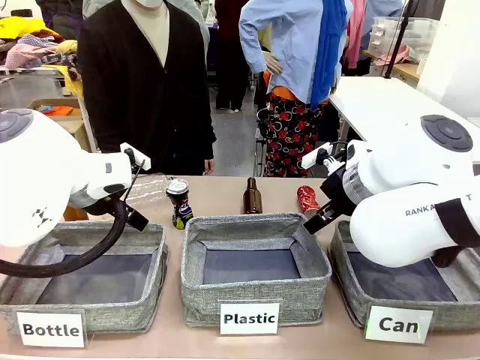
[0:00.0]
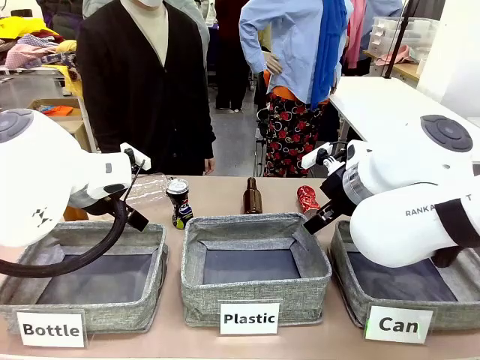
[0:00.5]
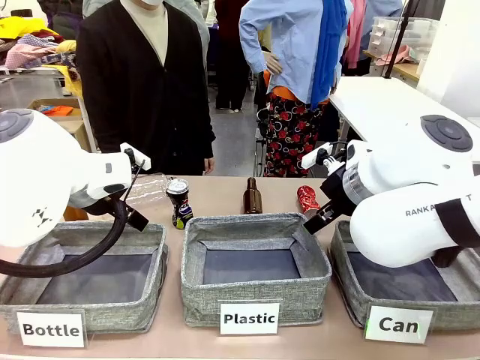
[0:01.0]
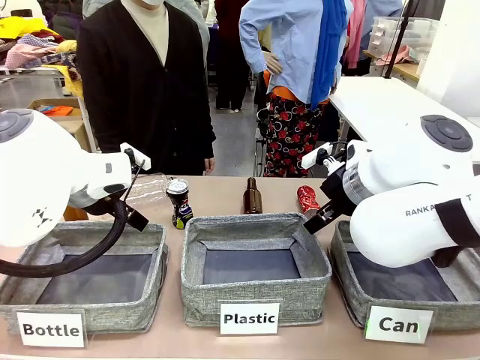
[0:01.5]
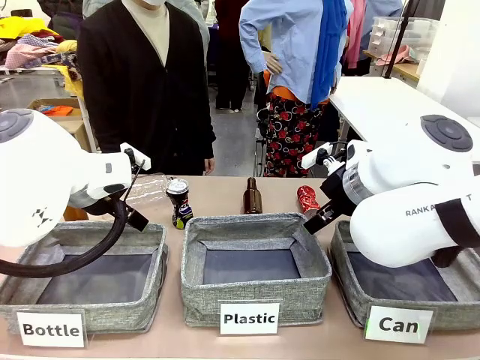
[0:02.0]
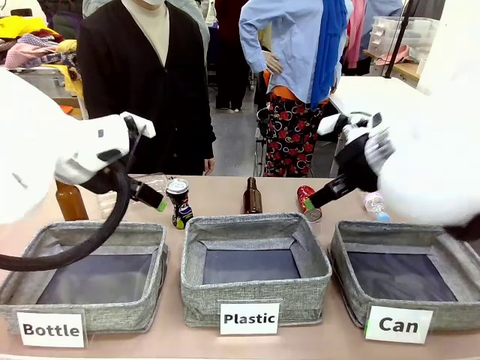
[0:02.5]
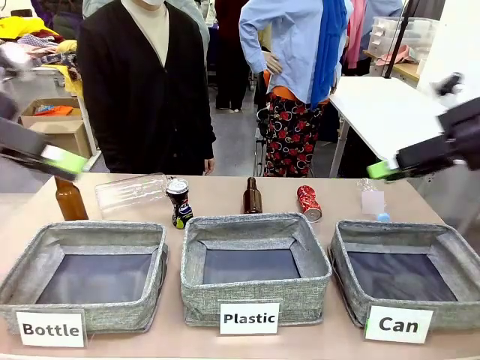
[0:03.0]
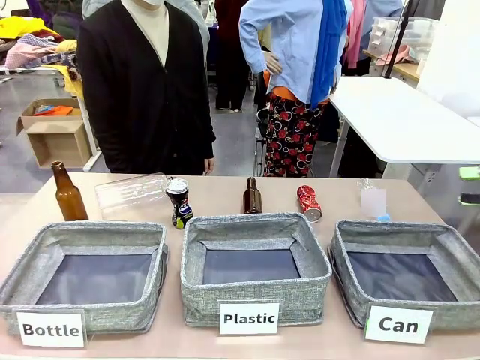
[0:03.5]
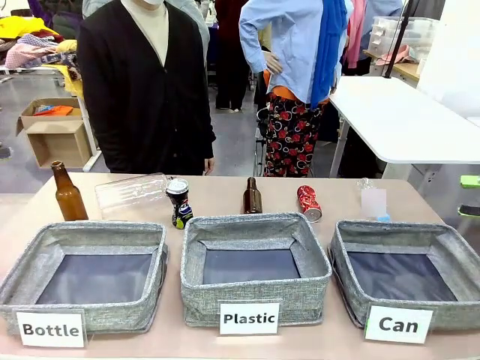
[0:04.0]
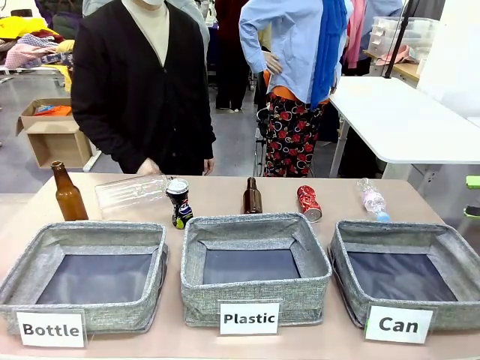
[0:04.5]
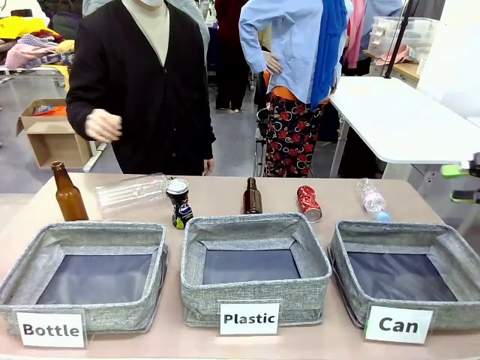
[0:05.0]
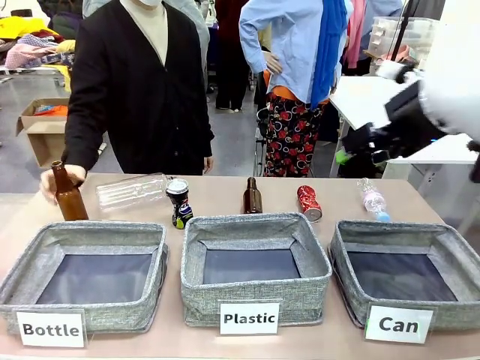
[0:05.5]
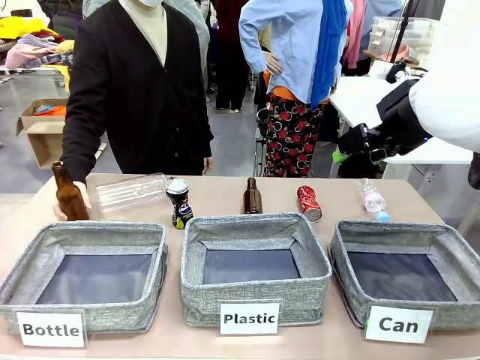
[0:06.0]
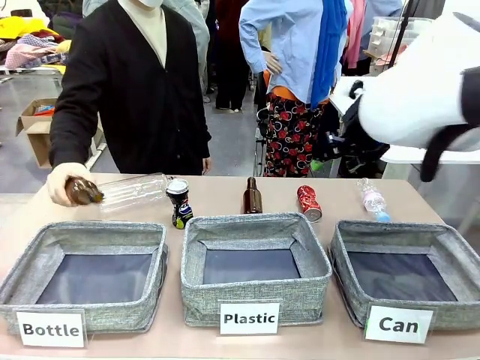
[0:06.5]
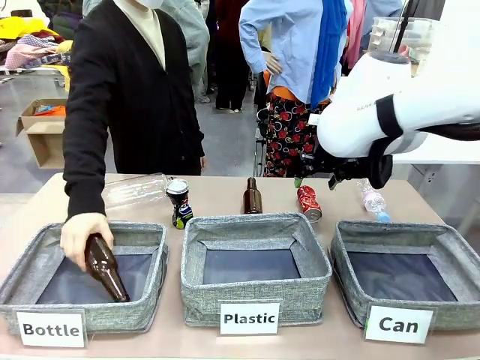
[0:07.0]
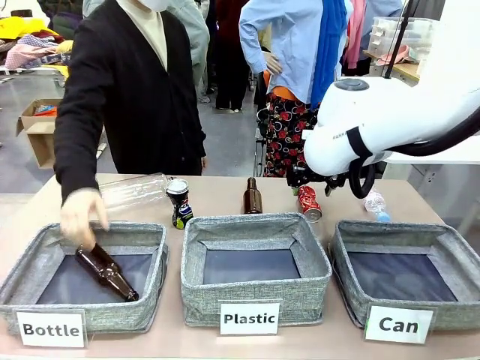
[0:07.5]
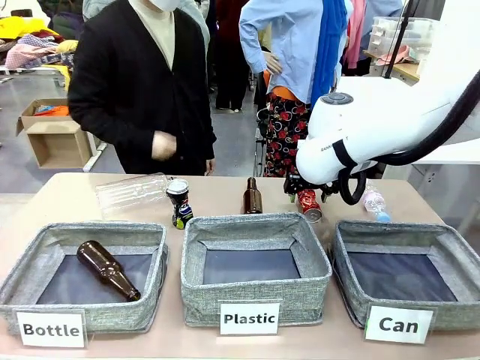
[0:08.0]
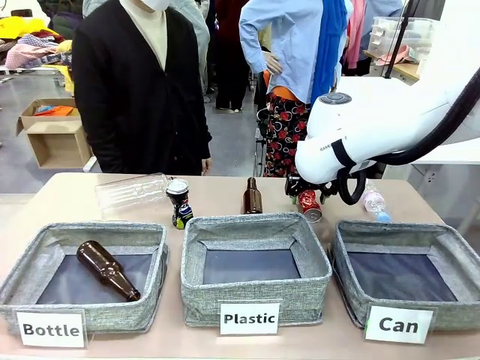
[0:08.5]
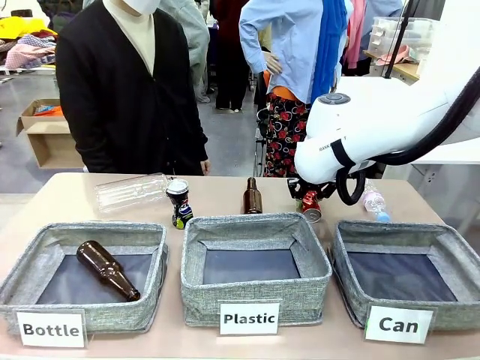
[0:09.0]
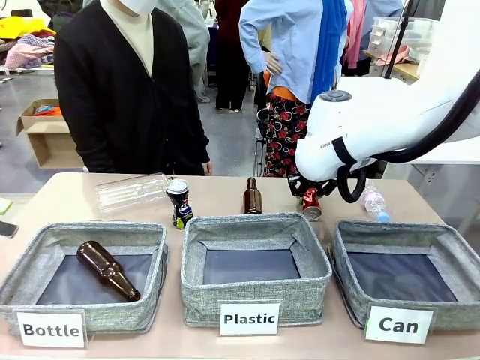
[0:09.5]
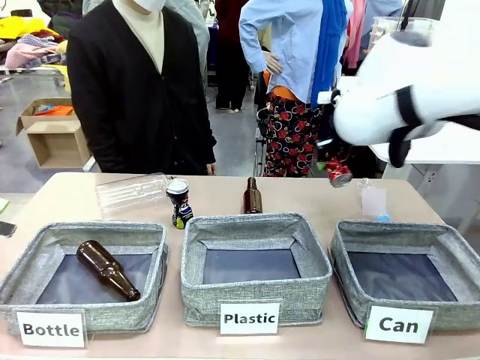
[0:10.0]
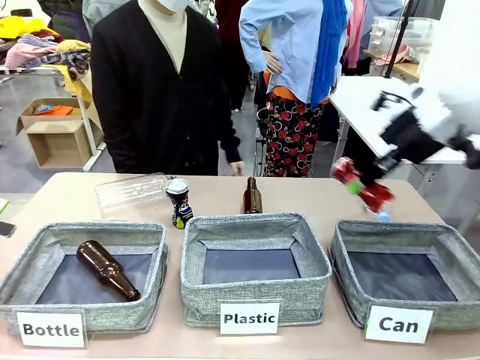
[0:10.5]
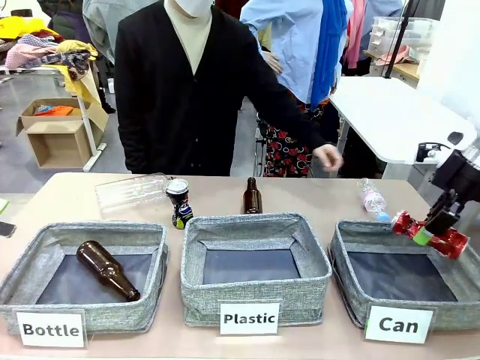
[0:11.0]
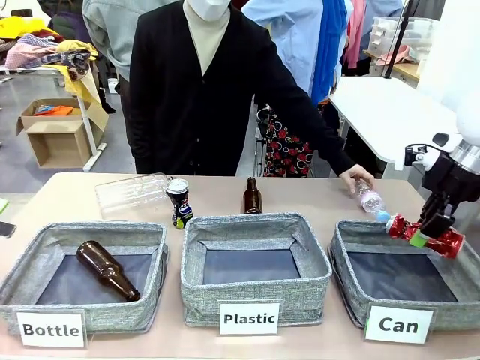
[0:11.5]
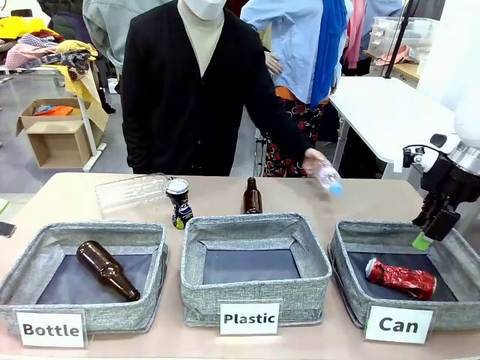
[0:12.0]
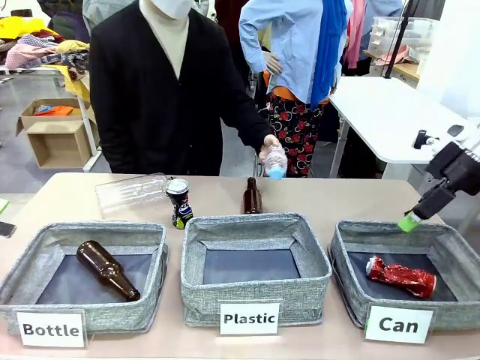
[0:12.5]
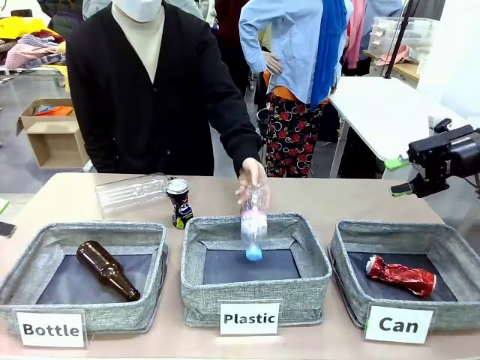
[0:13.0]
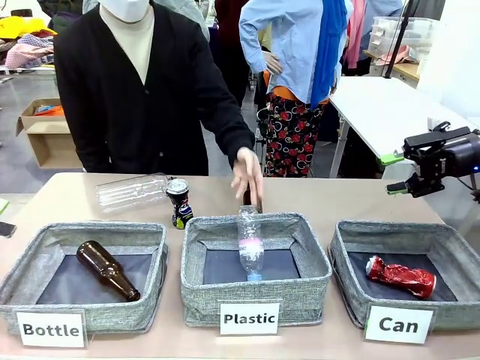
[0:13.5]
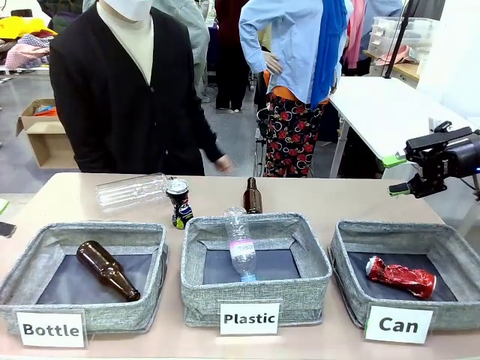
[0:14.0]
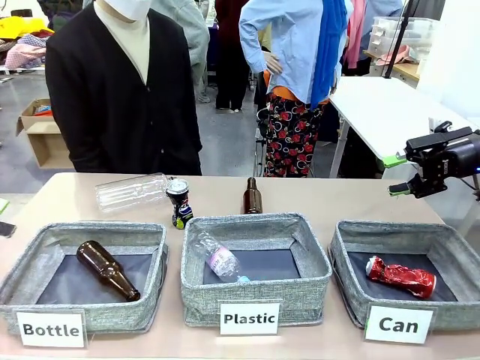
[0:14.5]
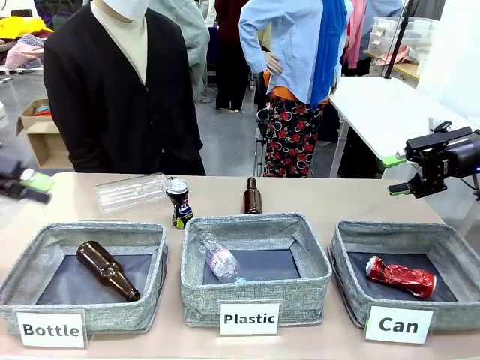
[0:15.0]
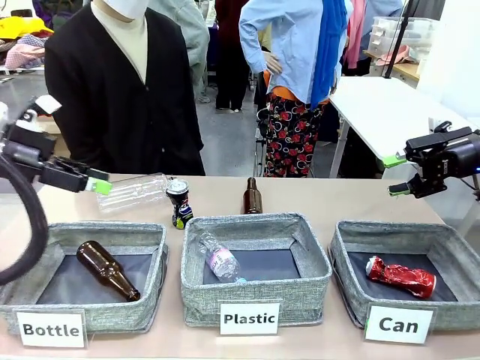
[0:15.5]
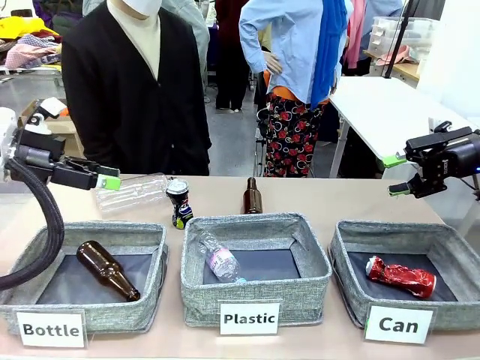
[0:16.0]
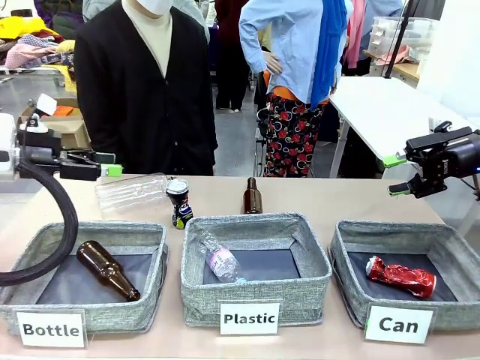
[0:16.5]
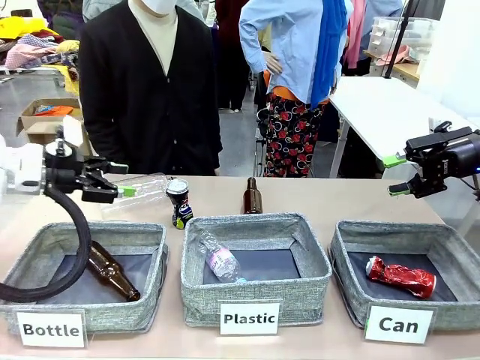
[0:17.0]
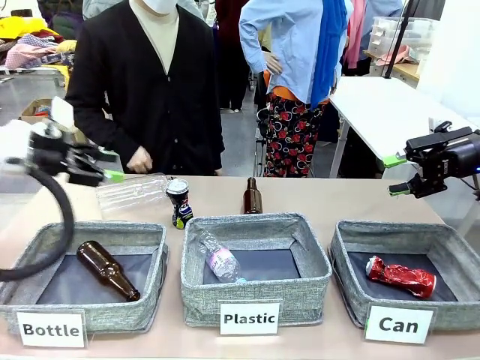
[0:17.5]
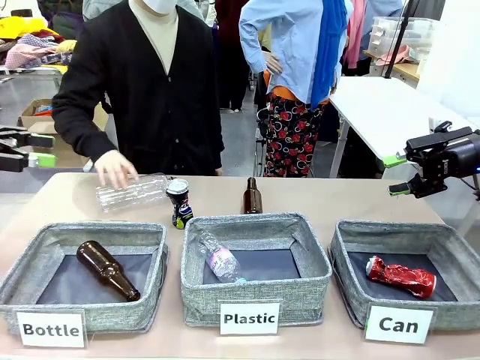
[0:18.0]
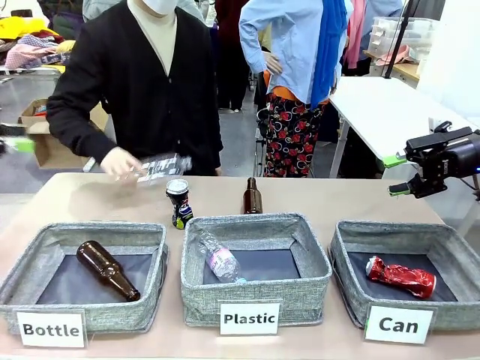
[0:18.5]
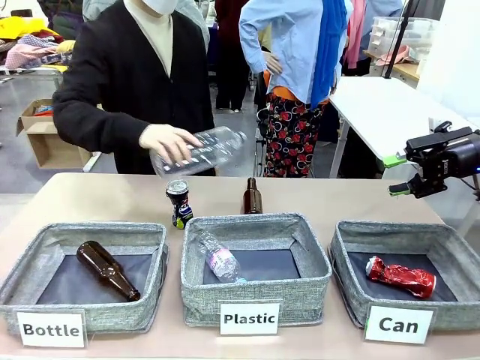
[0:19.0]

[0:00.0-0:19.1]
Task: Sort the can waste into the basket.
Robot: Pick up the can waste from the table and place it in the right Fabric basket.
